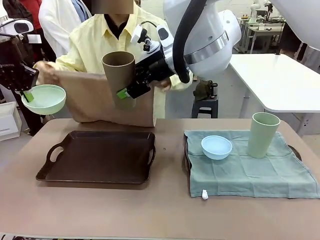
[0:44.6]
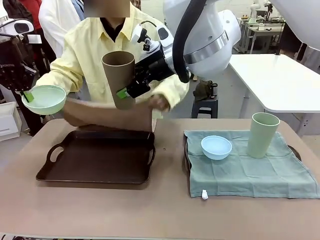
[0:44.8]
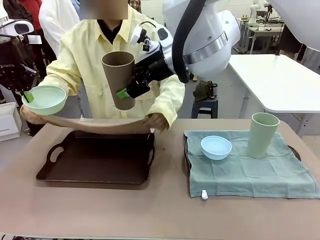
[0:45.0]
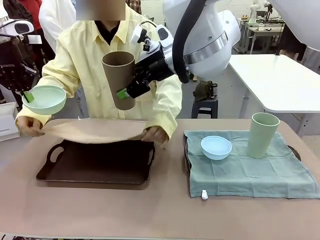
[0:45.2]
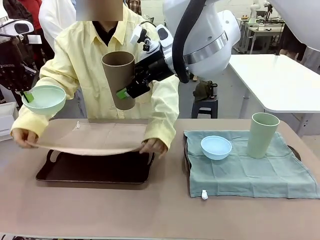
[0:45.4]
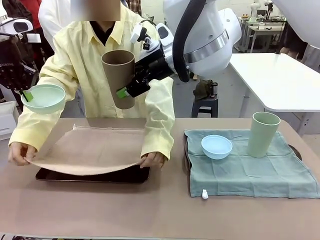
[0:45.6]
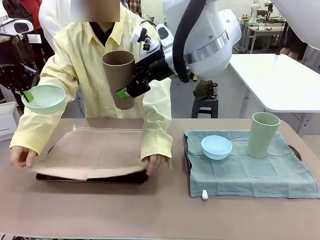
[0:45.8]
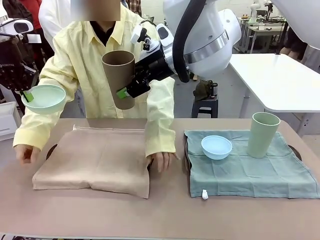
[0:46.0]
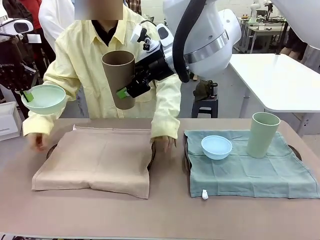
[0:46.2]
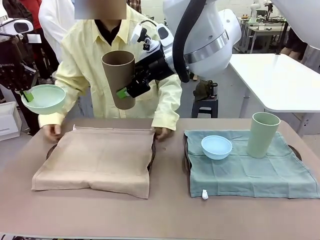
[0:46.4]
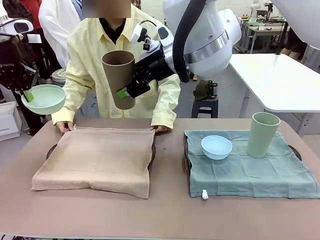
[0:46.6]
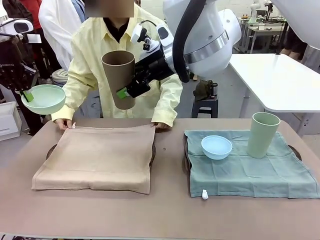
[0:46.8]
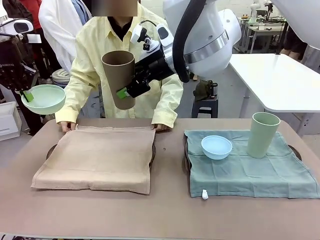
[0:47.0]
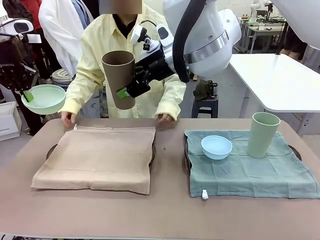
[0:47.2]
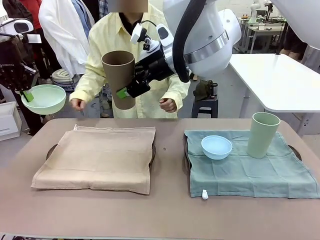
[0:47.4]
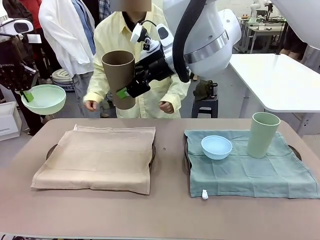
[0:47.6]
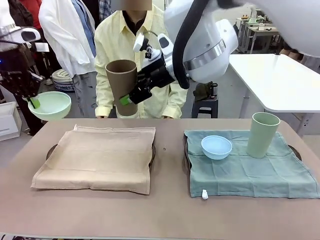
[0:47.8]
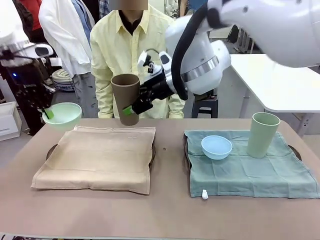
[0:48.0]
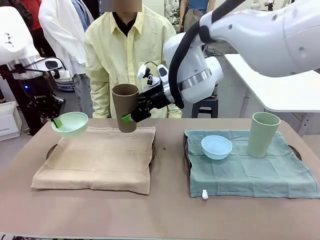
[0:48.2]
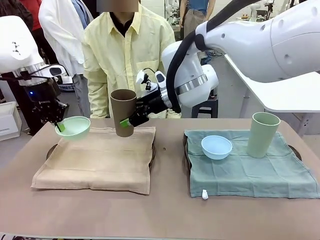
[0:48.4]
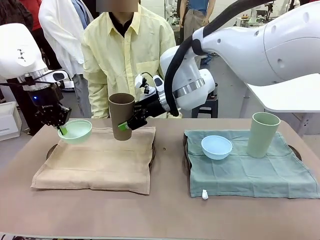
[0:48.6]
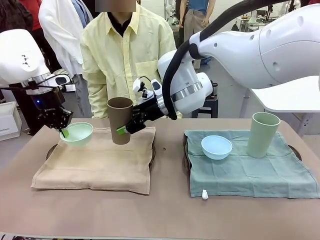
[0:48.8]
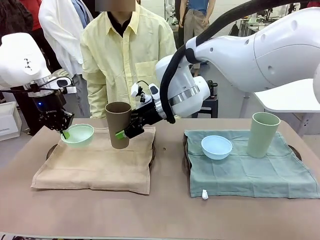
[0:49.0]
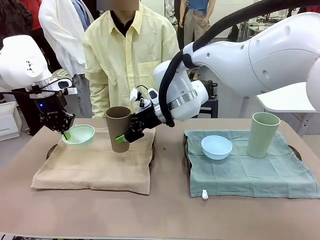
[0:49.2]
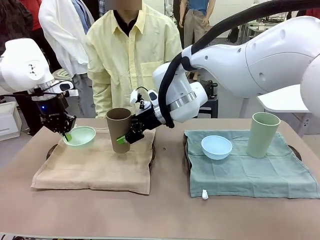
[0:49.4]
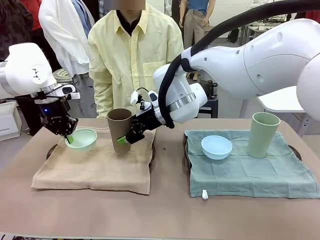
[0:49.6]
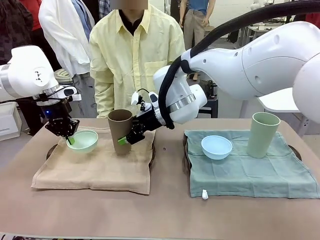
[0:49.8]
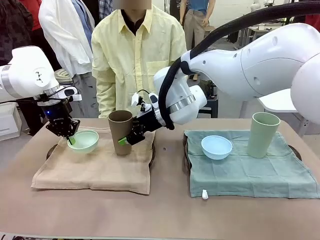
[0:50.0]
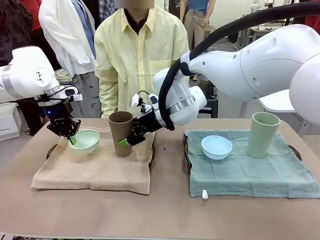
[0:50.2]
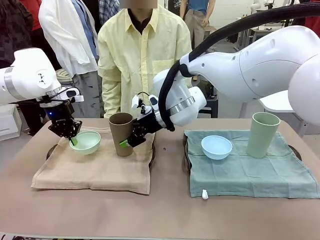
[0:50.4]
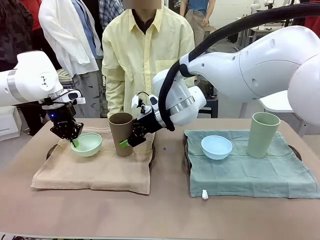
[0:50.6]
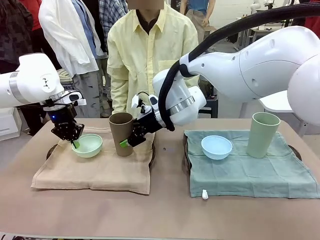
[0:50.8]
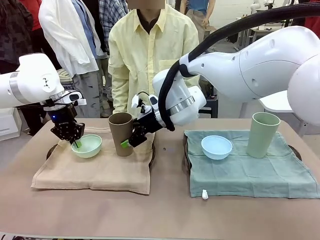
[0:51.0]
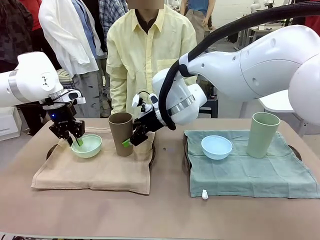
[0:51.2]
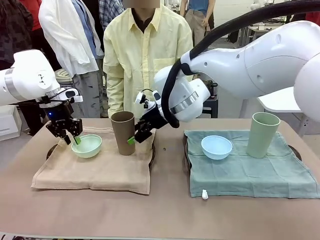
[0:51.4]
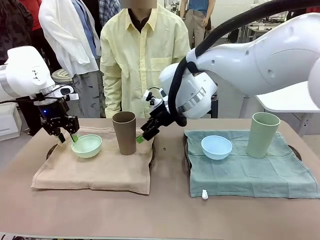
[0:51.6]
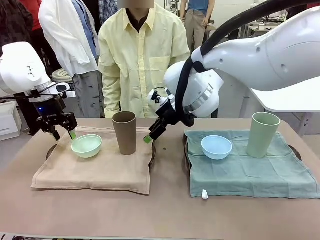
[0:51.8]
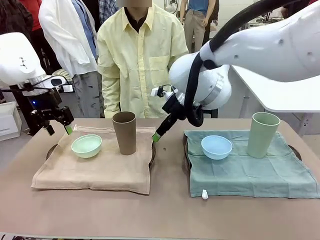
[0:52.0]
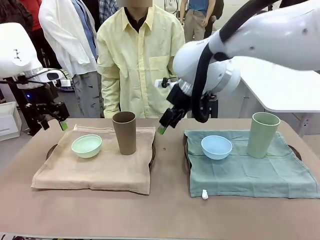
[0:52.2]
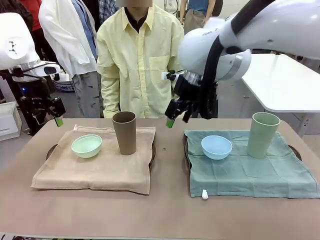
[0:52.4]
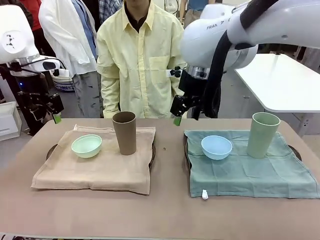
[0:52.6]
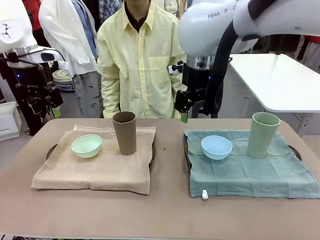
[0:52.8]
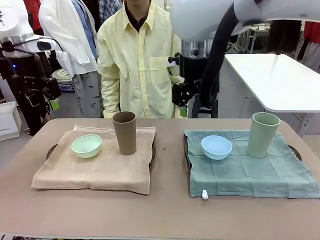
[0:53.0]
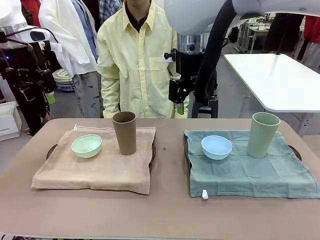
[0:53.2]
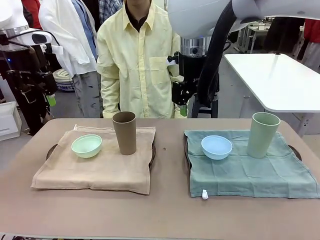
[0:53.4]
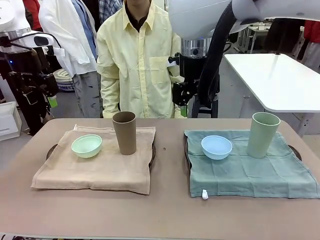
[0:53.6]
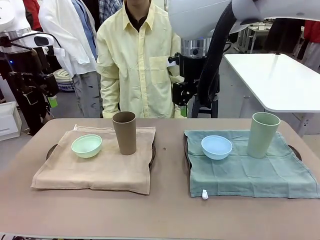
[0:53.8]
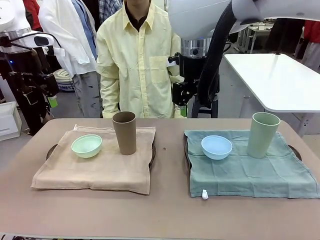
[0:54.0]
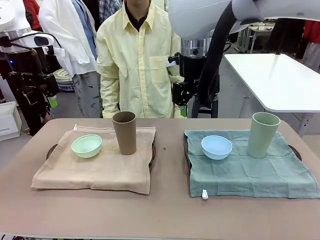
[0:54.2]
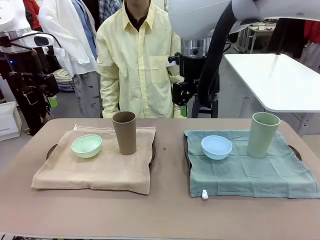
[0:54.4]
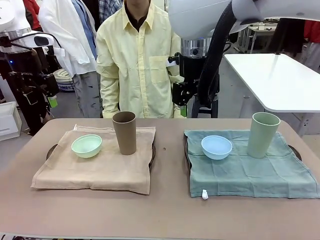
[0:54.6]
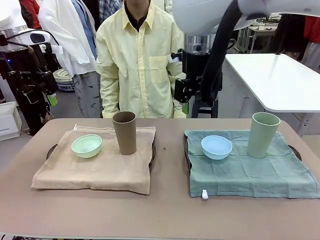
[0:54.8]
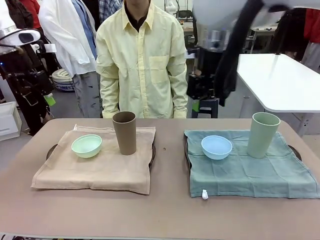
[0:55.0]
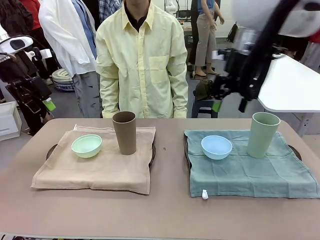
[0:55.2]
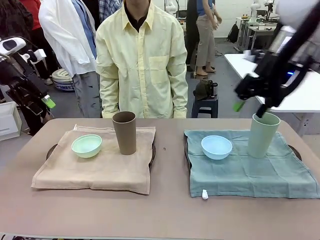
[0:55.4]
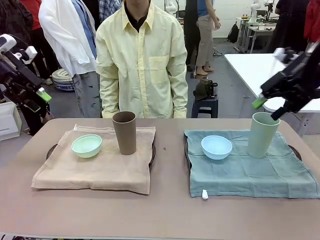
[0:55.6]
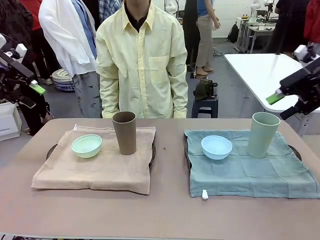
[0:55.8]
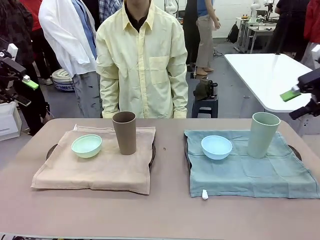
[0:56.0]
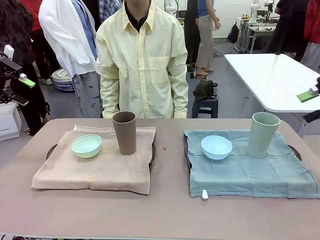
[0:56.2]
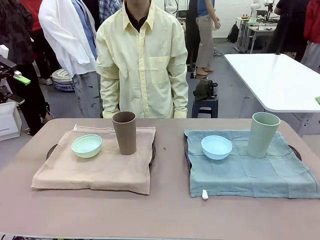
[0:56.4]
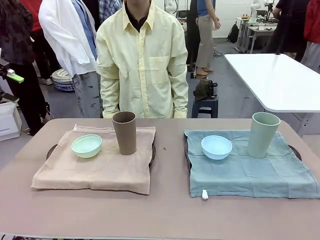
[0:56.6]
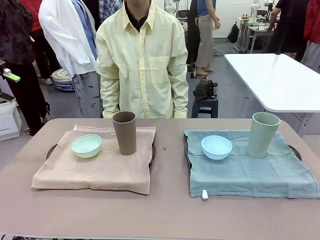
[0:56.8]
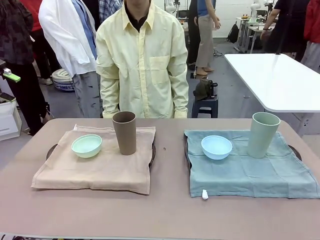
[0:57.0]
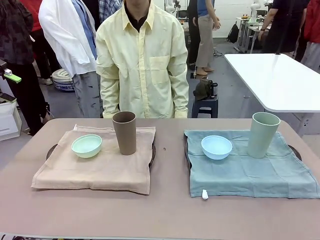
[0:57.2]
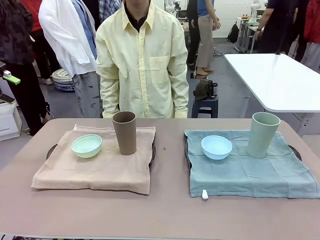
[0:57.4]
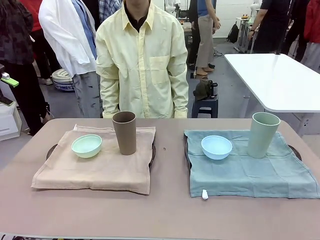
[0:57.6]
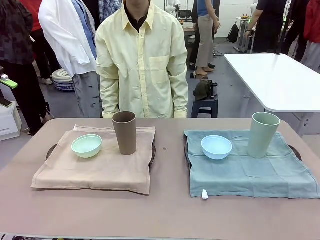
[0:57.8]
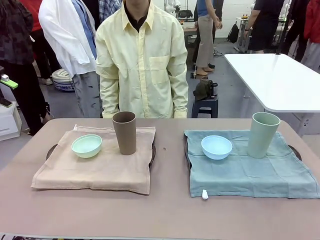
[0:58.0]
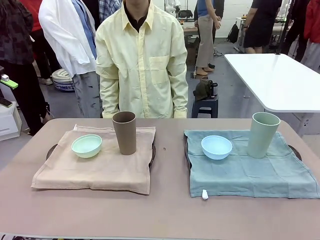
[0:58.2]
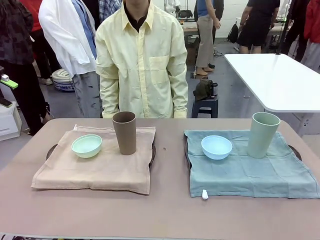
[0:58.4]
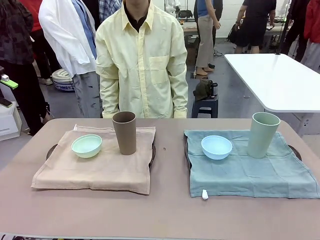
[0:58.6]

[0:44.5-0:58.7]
Robot: Place the Picnic Bowl and Reusable plastic cup back onto the Handle tray in front of the human's position.
Person: When the robot lifts the bowl and the cup, the human unfolds the napkin and lays the napkin flat on the tray.

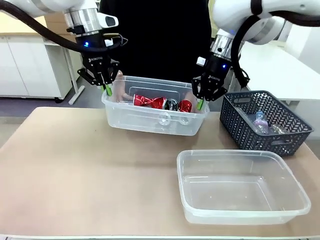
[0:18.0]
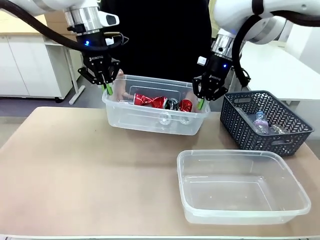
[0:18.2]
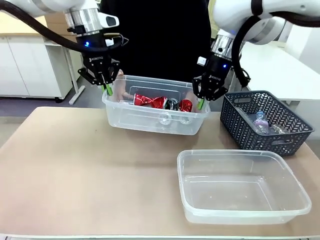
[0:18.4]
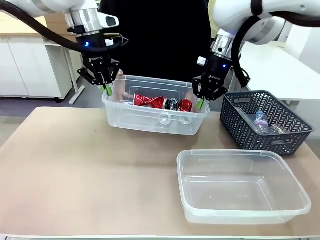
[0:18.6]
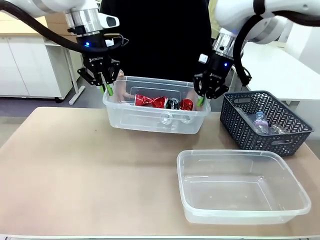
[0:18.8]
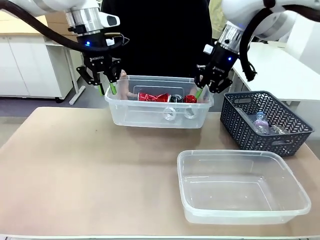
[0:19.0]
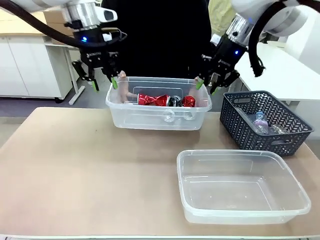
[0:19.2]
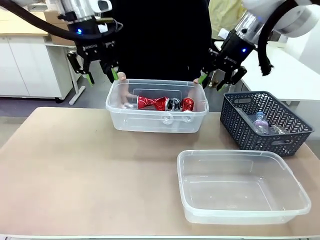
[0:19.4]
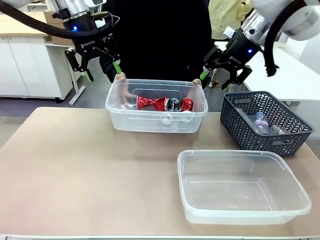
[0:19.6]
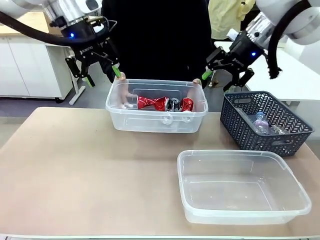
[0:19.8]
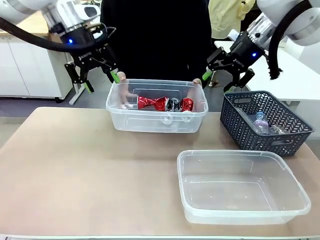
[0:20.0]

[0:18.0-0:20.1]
Robot: Release the Organizing box you were holding.

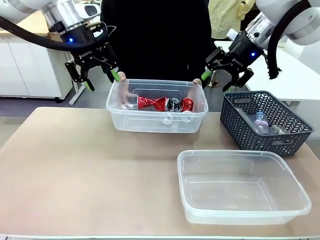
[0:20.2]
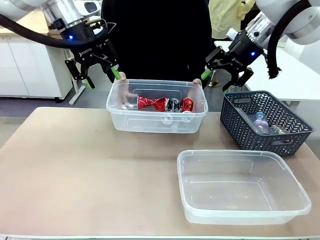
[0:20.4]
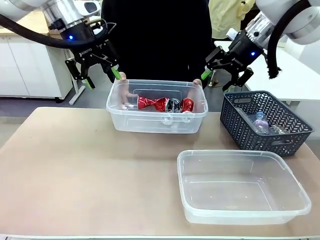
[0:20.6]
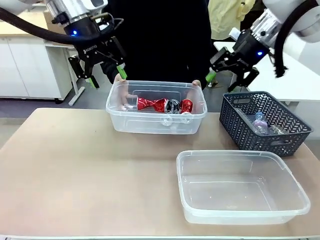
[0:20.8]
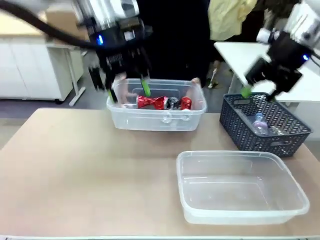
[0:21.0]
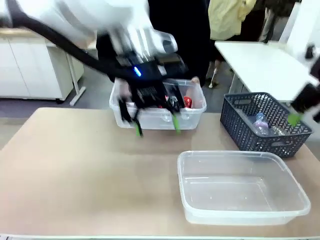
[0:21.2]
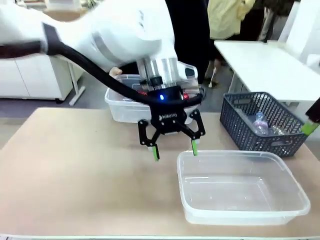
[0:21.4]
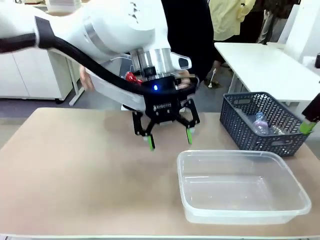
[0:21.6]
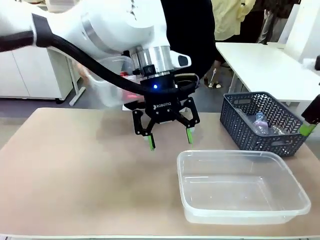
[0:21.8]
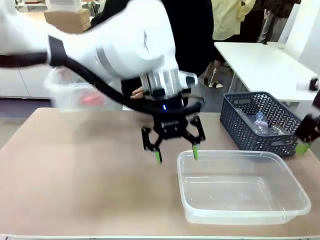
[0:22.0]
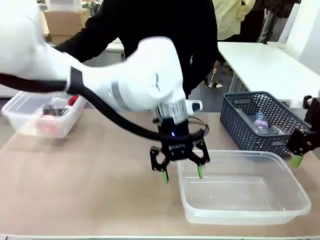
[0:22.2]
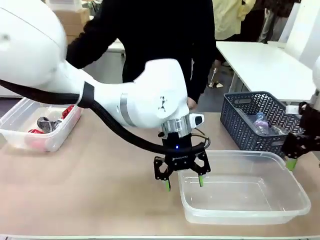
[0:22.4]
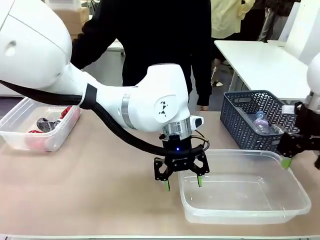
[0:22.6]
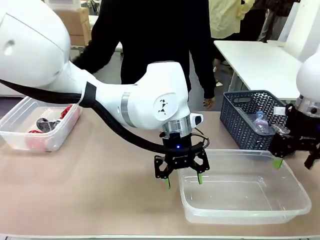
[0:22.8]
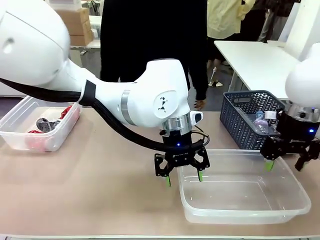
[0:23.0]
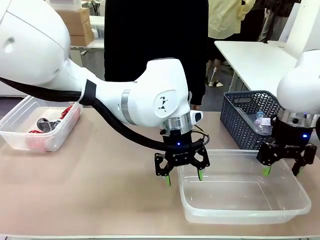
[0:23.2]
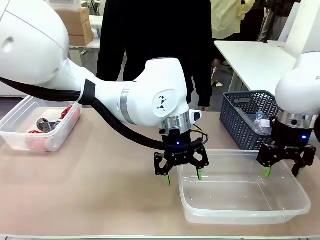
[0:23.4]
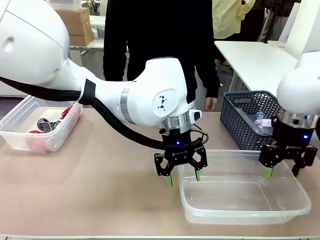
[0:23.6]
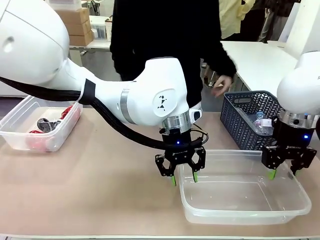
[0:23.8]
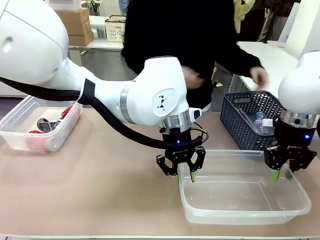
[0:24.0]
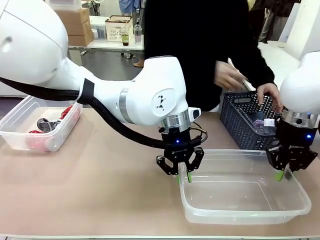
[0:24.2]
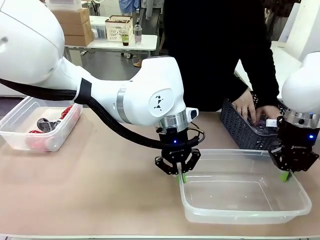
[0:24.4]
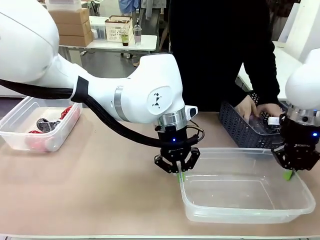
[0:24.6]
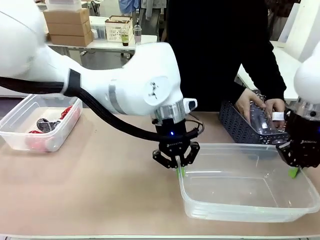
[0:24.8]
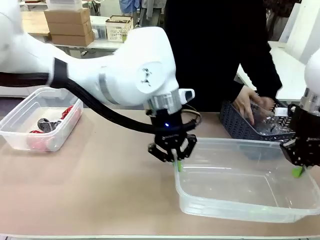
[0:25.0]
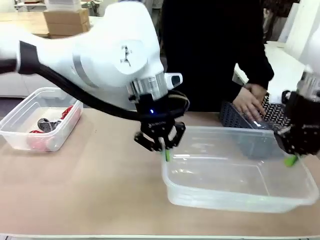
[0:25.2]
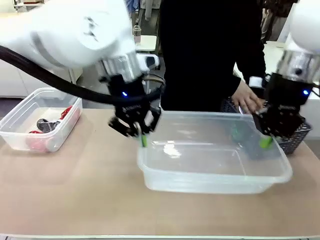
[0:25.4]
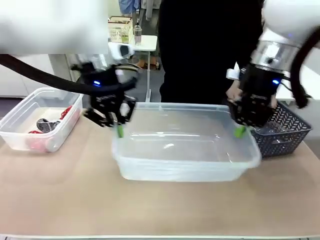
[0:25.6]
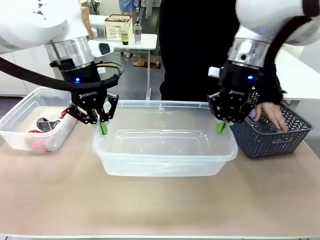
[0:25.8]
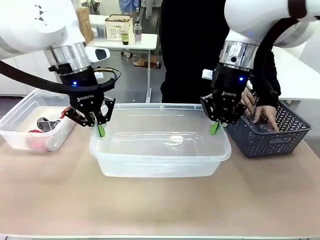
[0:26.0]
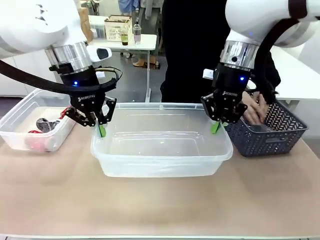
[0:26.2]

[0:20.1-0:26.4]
Robot: Pick up the Organizing box on the right side of the table and lift it.
Person: Place it at the edge of the bottom right area of the robot table.

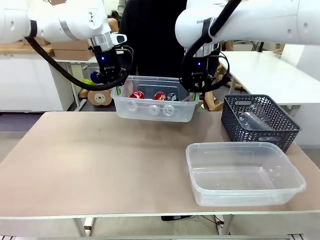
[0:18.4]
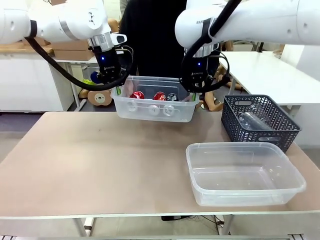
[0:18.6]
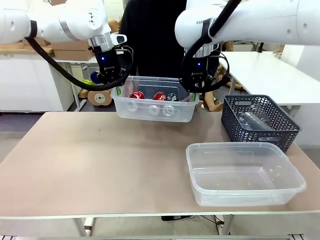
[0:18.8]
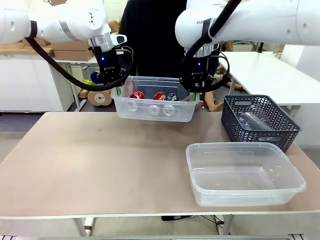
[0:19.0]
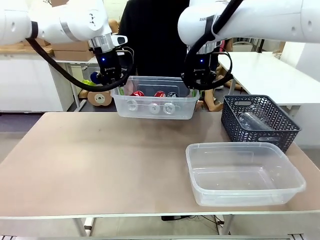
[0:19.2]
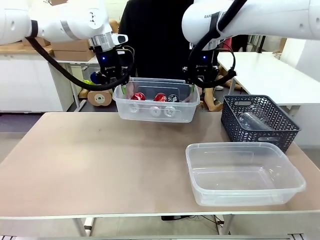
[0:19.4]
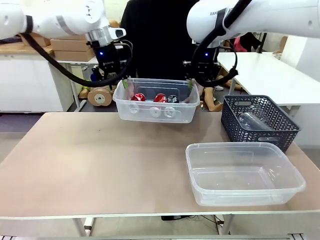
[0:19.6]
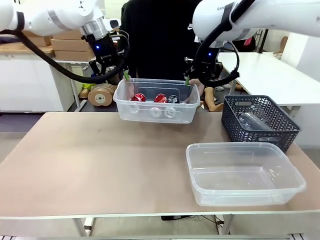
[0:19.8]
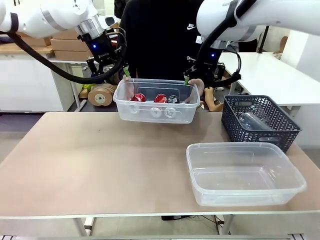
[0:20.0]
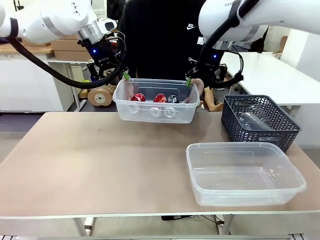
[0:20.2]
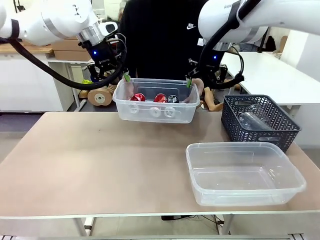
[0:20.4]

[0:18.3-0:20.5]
Robot: Release the Organizing box you were holding.
